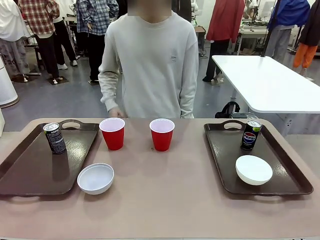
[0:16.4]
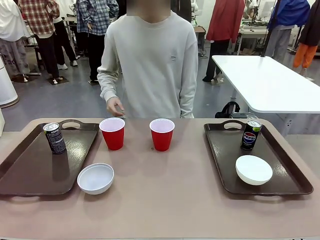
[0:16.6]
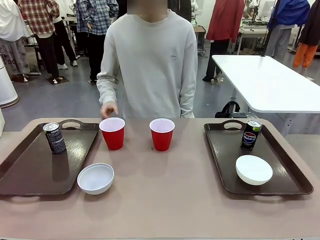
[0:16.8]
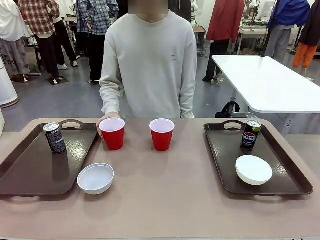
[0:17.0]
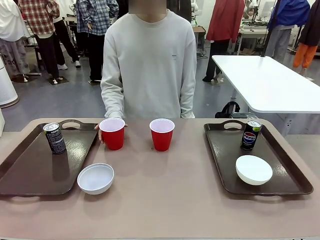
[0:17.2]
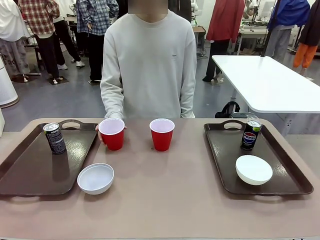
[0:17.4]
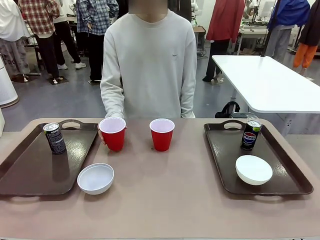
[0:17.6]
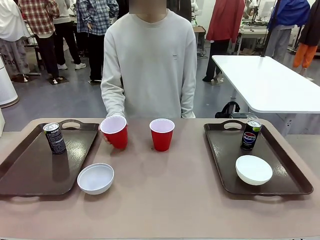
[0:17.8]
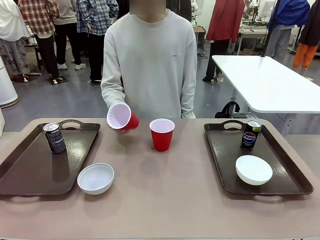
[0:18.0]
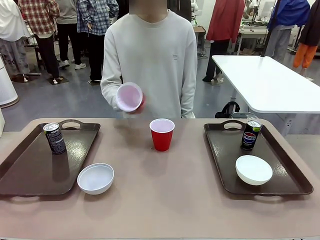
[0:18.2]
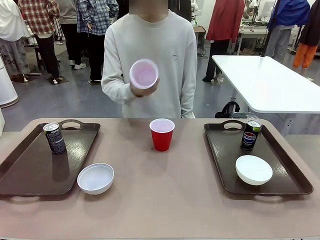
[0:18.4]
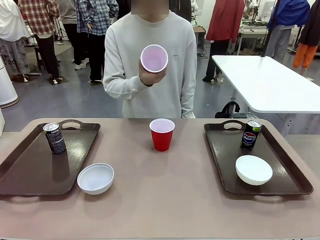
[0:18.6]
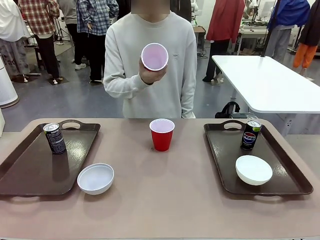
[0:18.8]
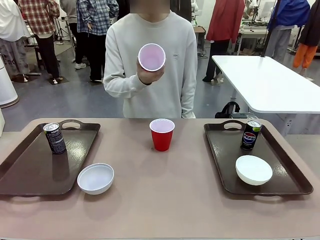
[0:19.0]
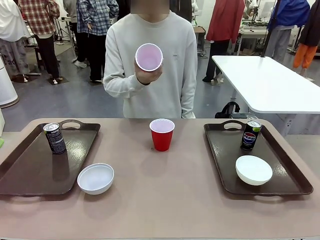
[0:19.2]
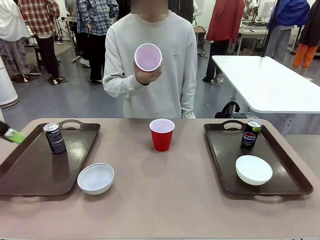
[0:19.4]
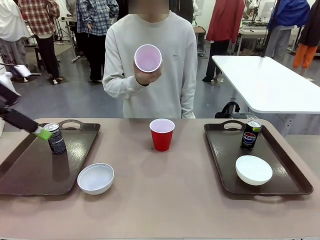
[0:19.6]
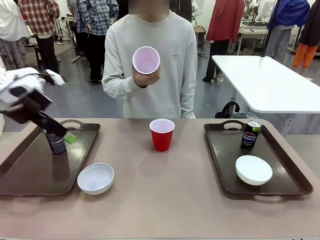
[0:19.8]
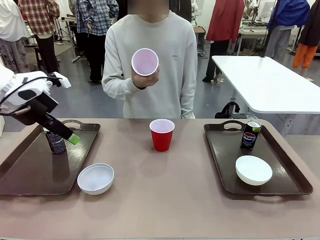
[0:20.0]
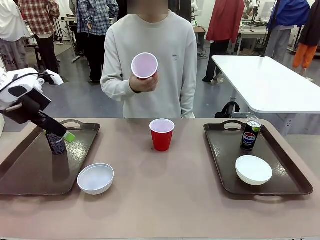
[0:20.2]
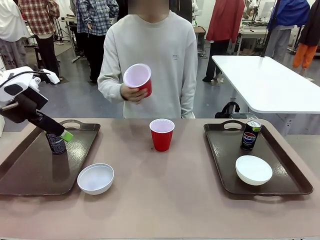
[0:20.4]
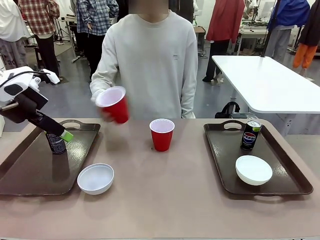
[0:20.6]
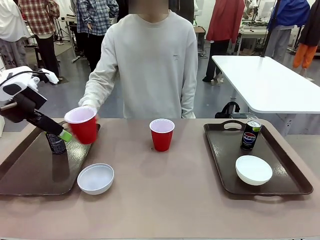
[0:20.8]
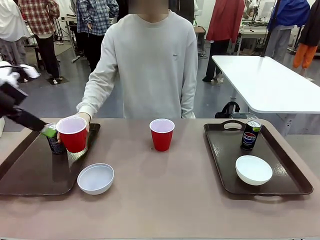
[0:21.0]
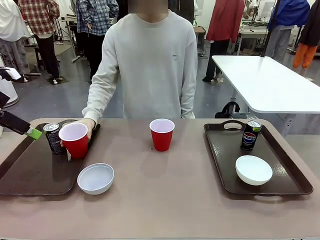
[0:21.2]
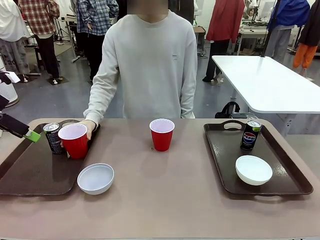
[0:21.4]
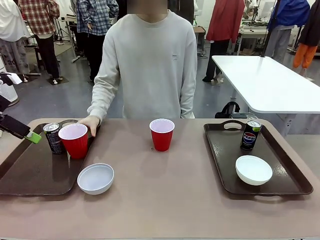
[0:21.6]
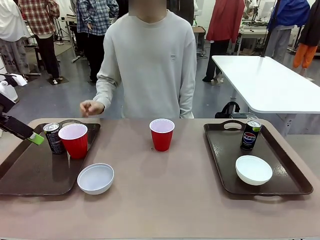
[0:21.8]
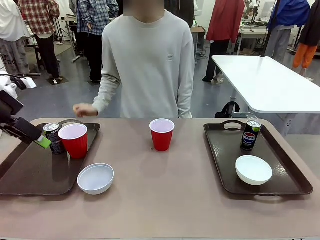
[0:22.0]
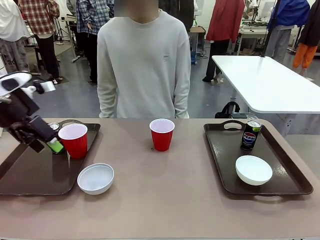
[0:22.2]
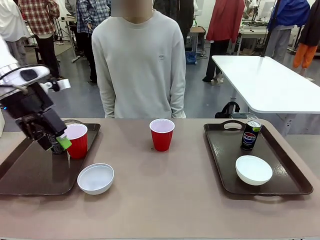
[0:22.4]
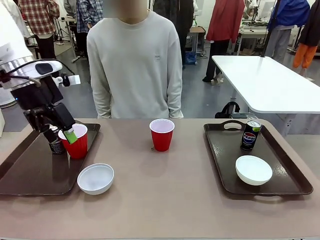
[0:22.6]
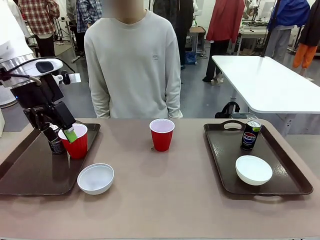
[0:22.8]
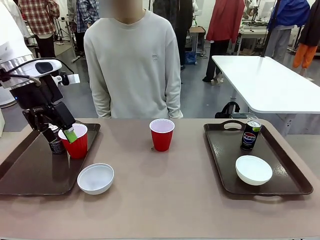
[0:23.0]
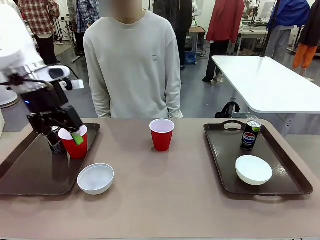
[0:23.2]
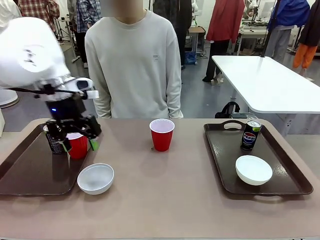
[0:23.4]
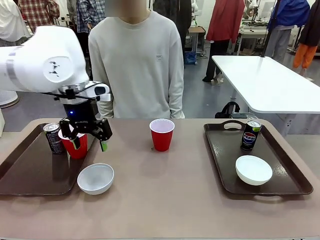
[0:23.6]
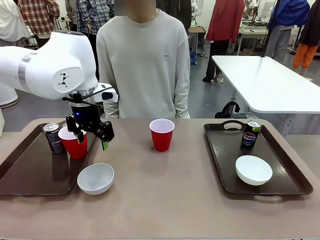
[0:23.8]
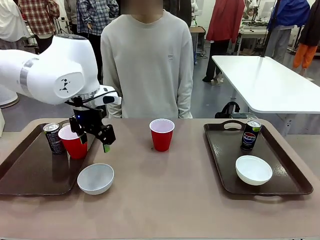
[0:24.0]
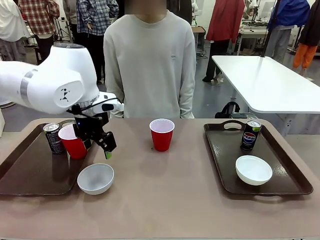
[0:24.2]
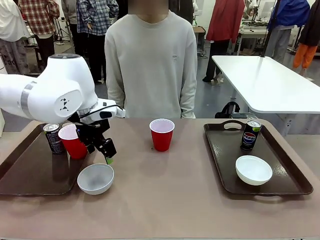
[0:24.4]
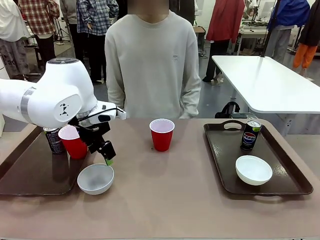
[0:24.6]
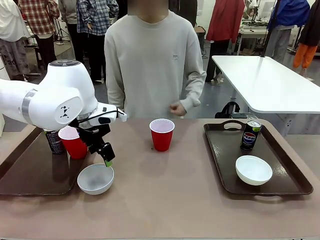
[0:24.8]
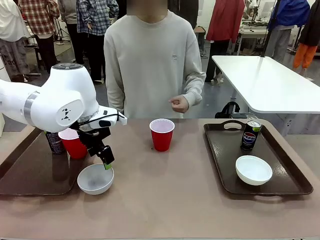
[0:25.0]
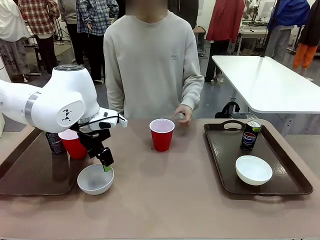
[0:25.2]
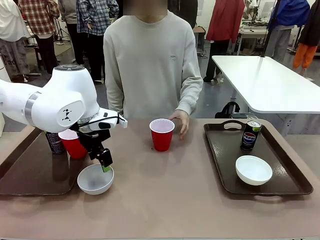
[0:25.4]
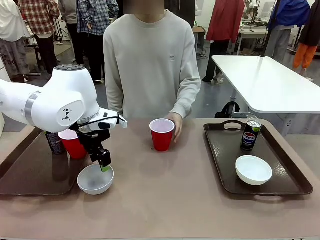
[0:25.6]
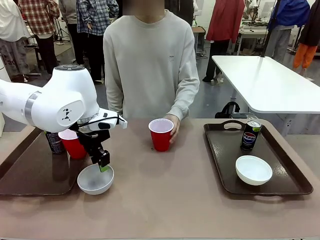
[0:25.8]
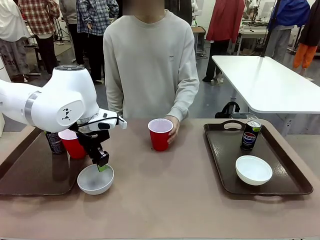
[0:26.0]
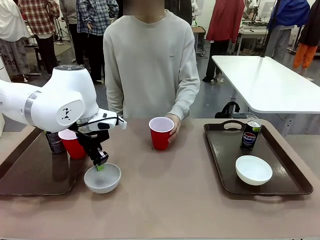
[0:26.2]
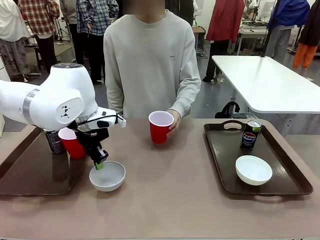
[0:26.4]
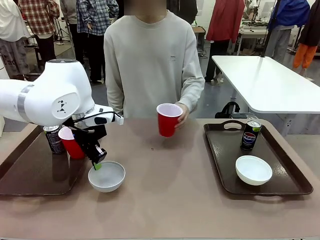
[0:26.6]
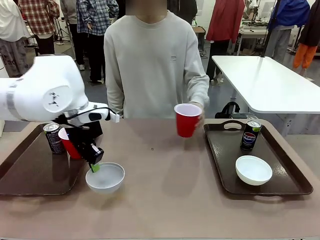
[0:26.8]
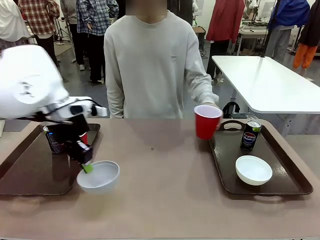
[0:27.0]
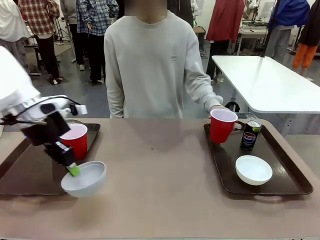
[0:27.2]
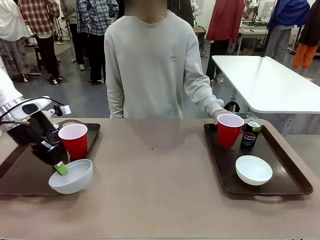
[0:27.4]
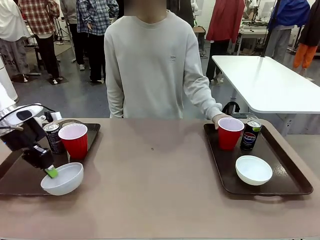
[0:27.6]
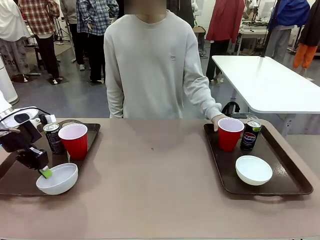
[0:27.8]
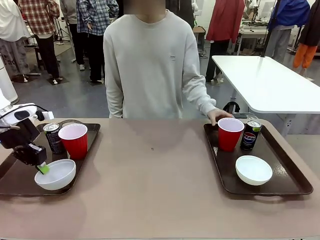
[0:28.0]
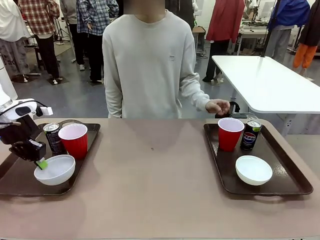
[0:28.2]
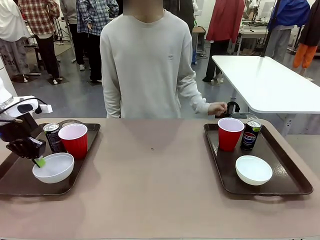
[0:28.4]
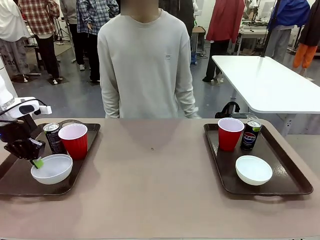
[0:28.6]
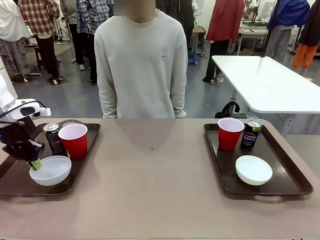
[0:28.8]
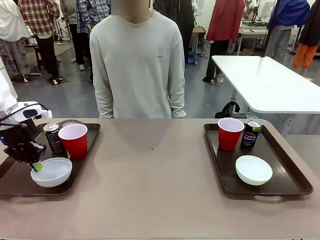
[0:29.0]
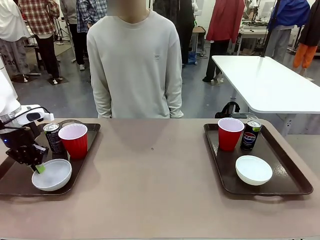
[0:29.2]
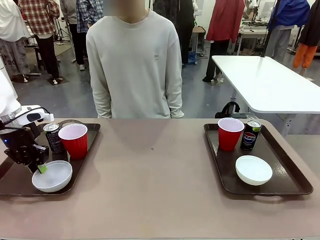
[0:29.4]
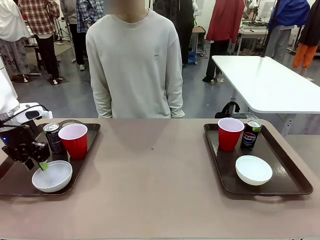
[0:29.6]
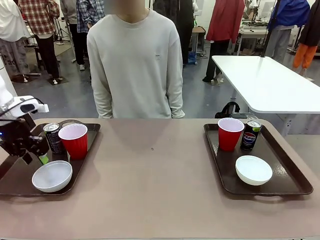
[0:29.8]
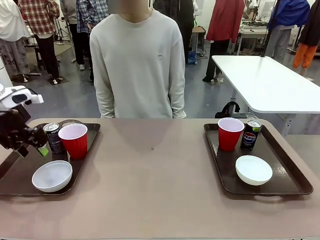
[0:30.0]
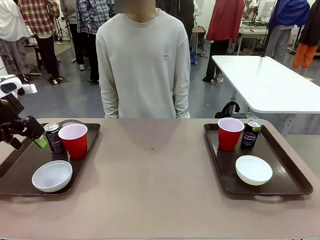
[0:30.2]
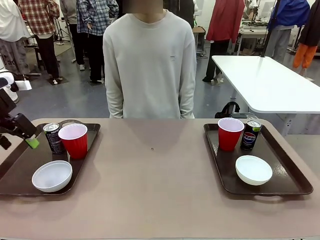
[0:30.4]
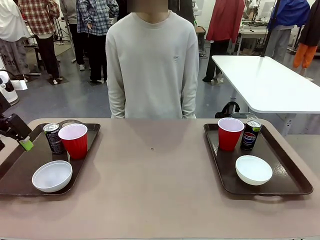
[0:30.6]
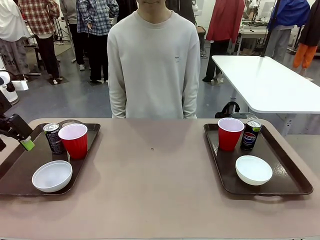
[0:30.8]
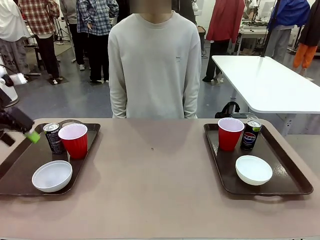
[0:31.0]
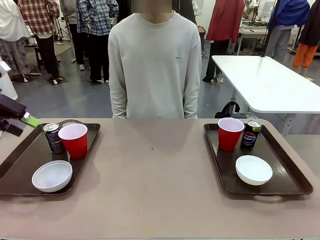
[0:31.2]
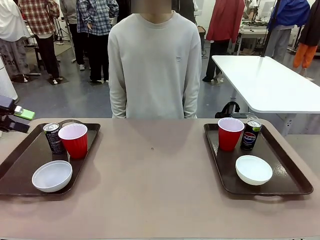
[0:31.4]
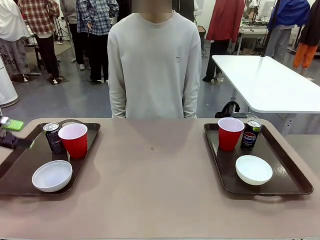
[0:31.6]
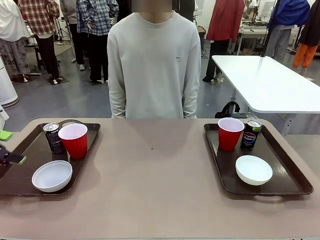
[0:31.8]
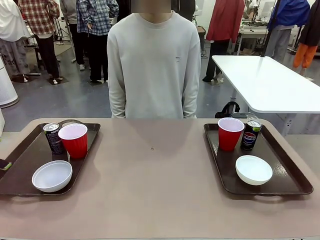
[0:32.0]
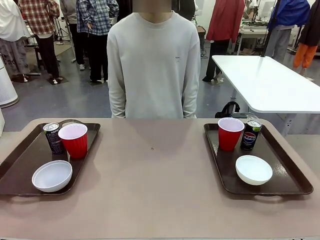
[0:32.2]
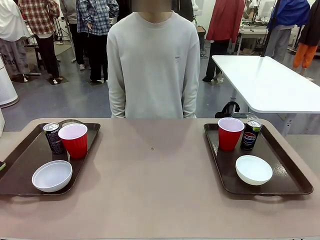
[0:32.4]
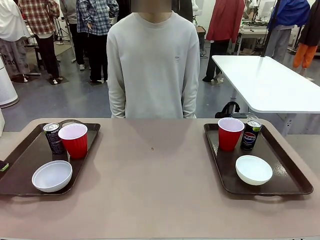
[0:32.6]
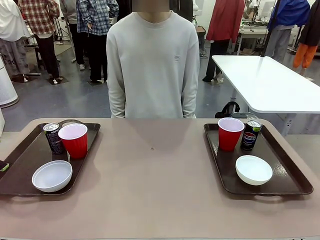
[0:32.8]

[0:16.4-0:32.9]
Task: Prepare tableware on both trays.
Robot: Pick up a Picnic Bowl from the table and place it on a Handle tray.
Person: Pick up a can or cup and place it on the tray without a can or cup.
